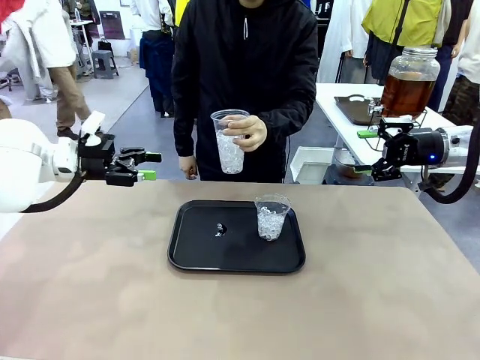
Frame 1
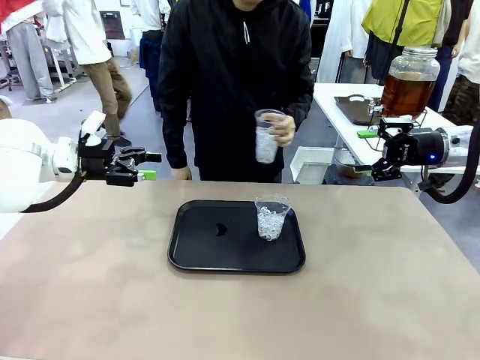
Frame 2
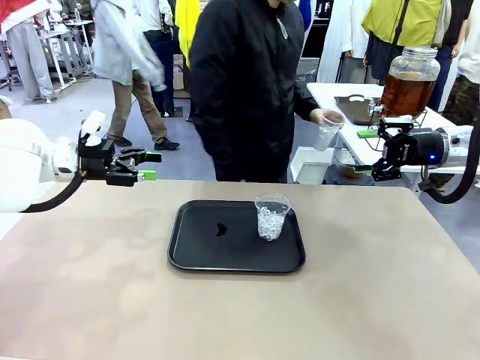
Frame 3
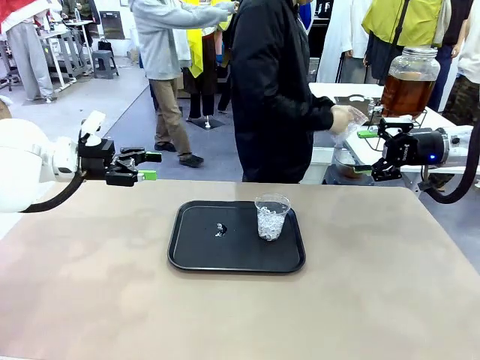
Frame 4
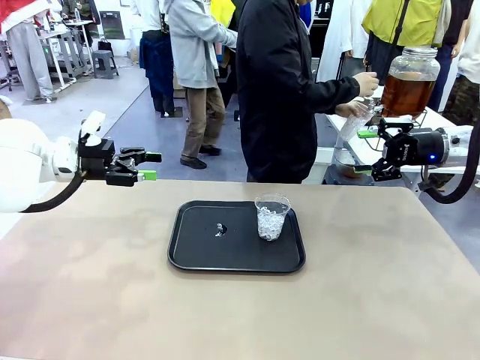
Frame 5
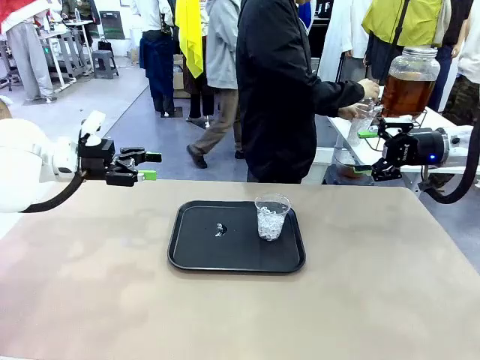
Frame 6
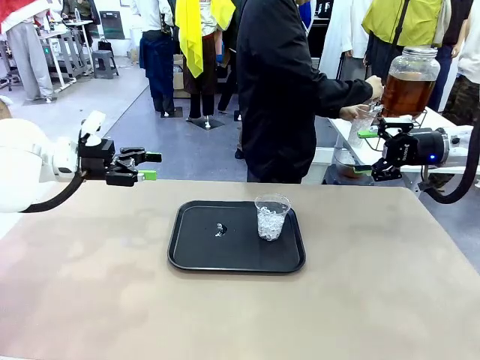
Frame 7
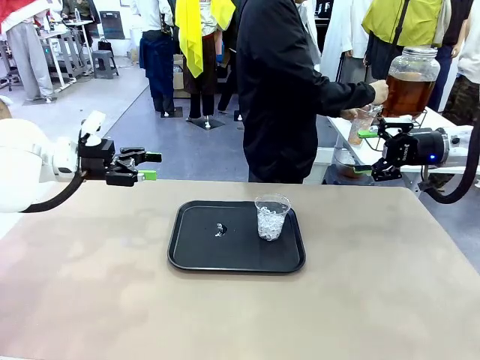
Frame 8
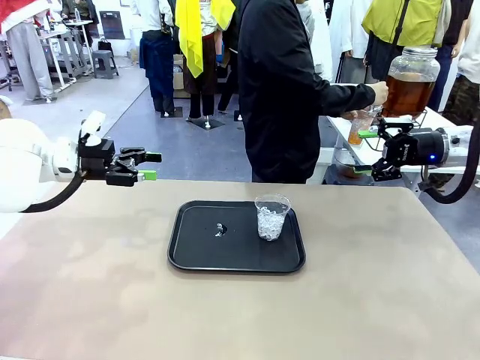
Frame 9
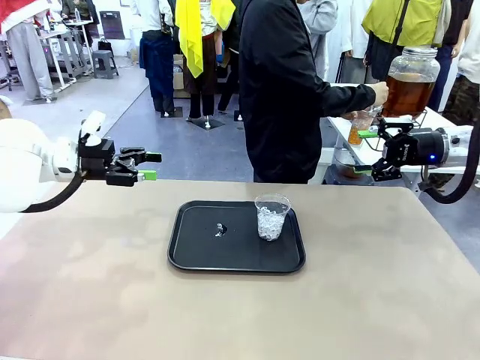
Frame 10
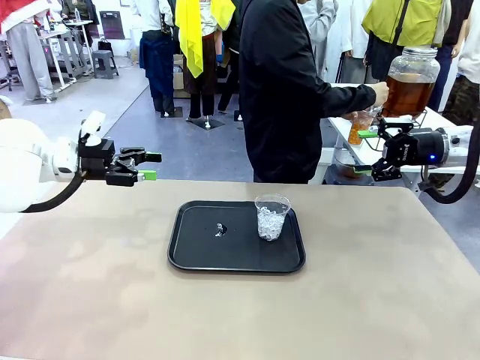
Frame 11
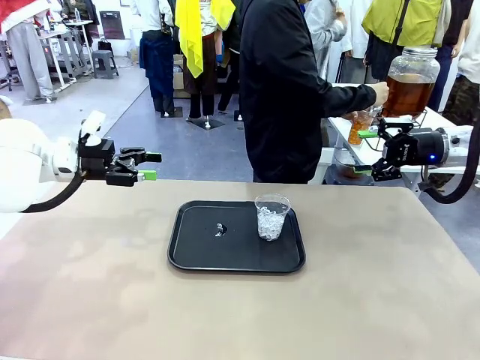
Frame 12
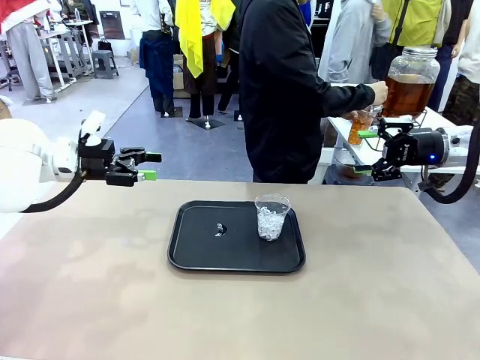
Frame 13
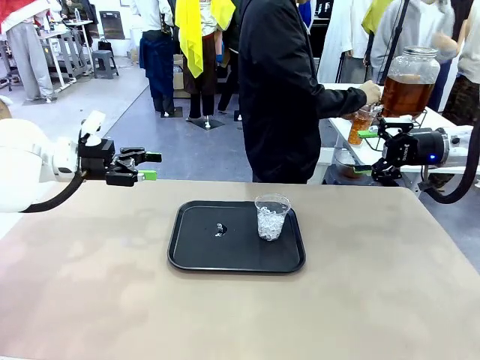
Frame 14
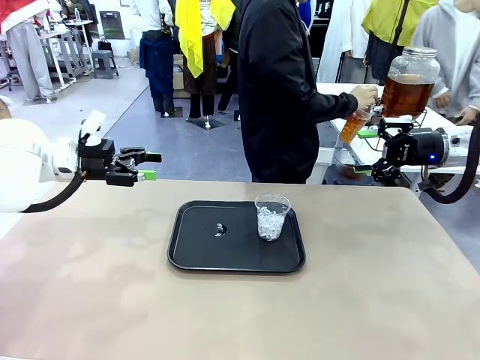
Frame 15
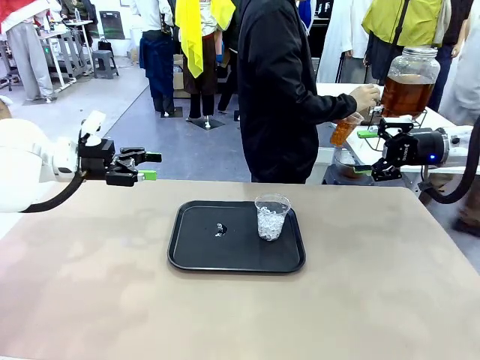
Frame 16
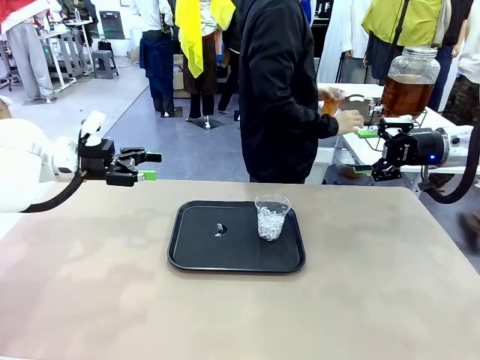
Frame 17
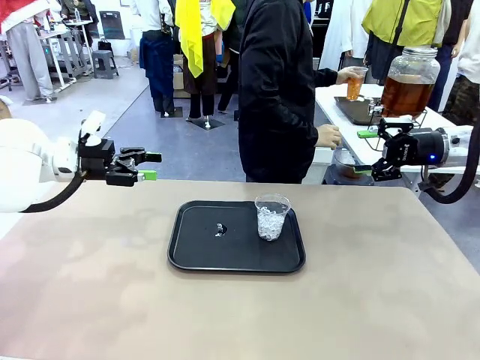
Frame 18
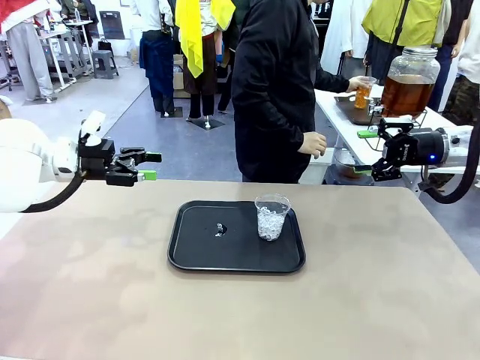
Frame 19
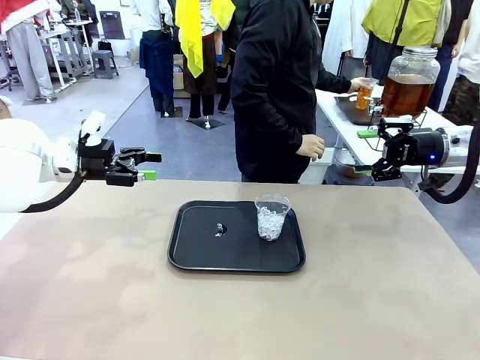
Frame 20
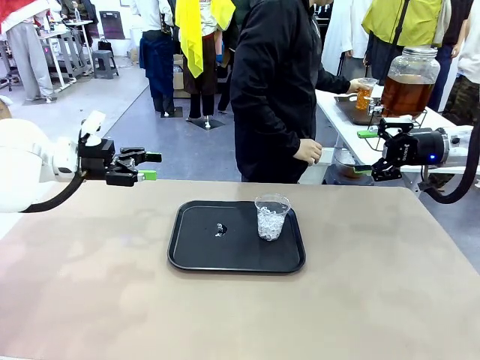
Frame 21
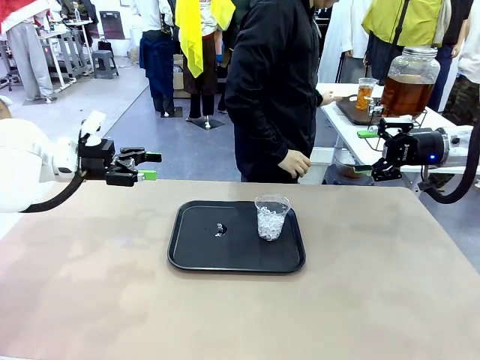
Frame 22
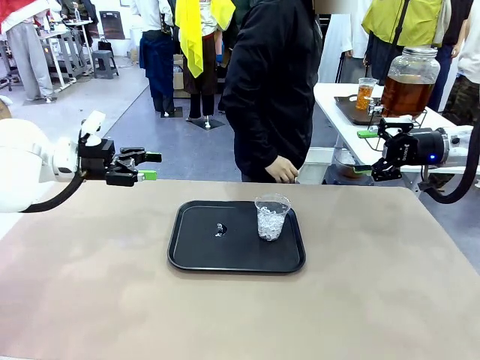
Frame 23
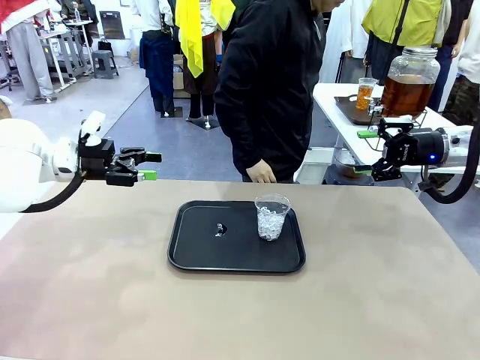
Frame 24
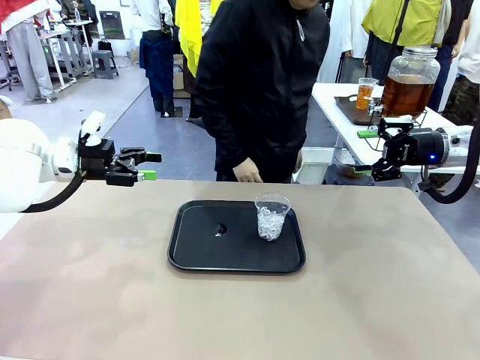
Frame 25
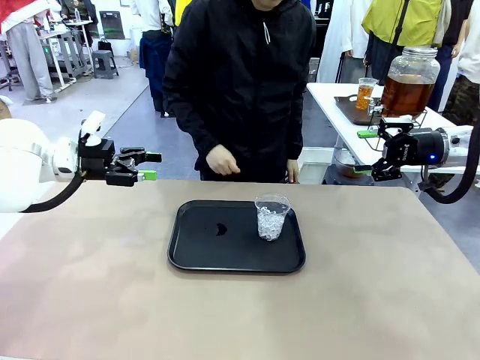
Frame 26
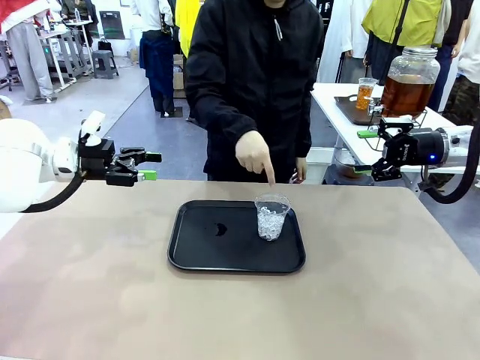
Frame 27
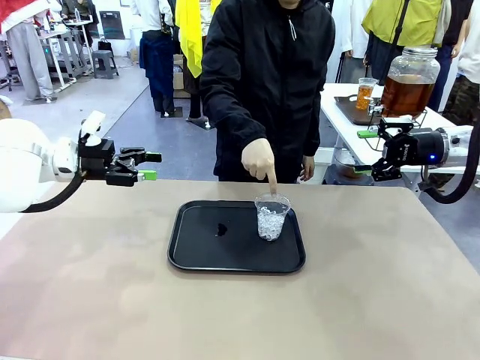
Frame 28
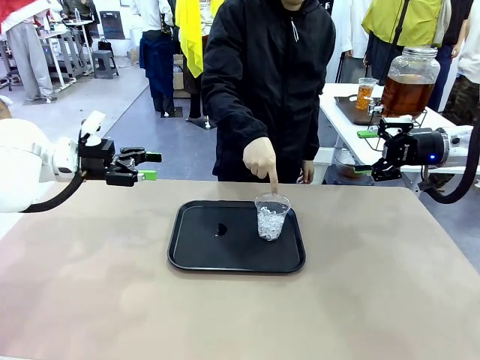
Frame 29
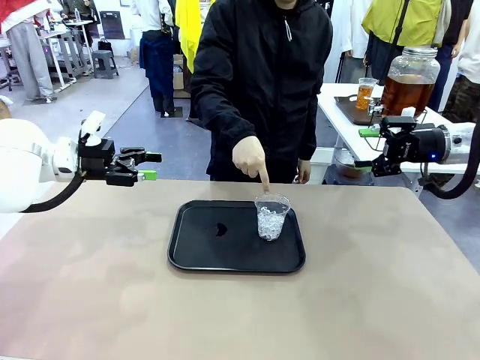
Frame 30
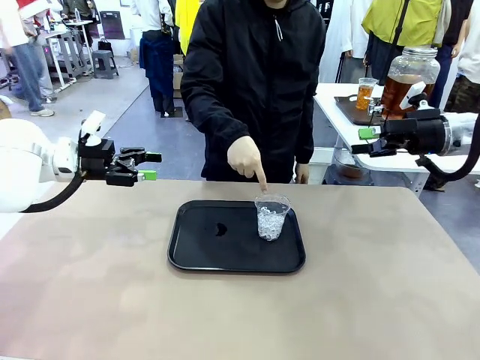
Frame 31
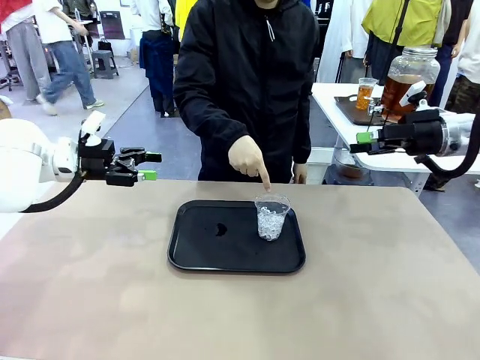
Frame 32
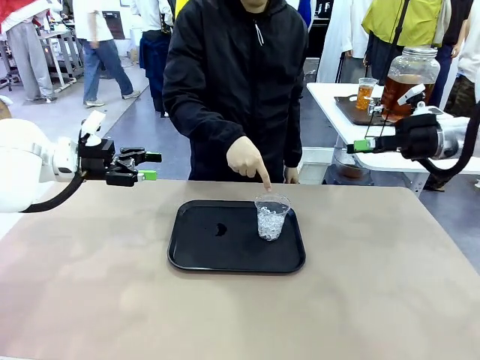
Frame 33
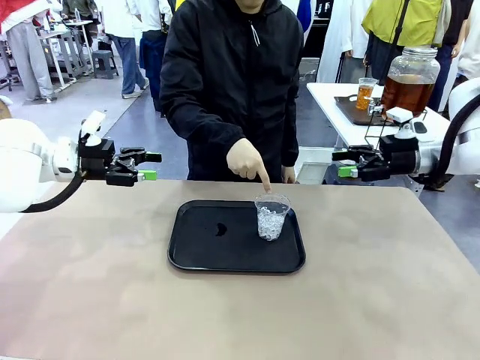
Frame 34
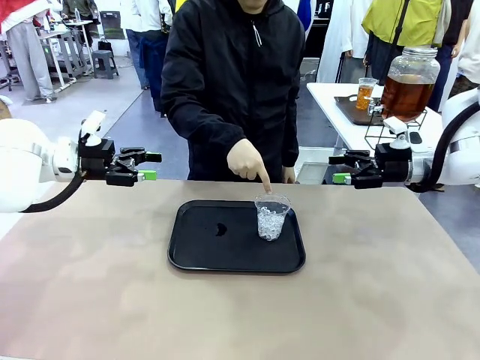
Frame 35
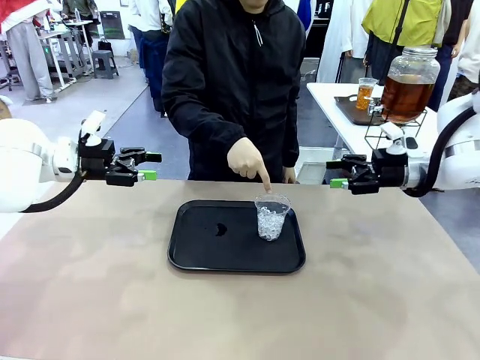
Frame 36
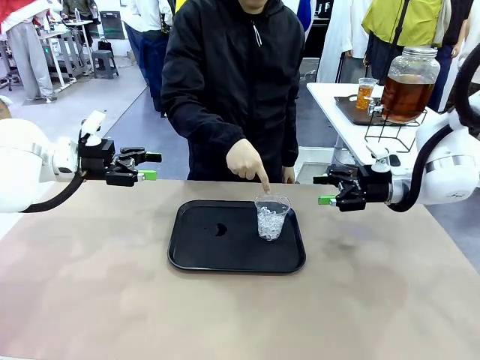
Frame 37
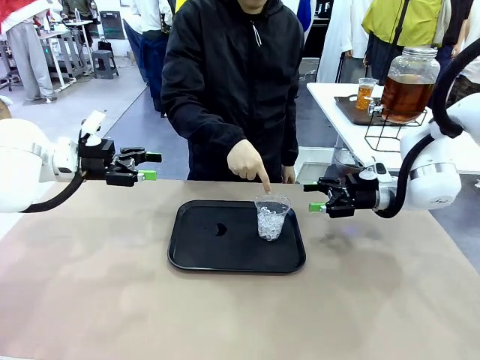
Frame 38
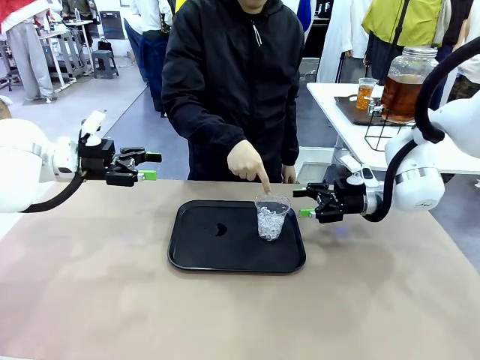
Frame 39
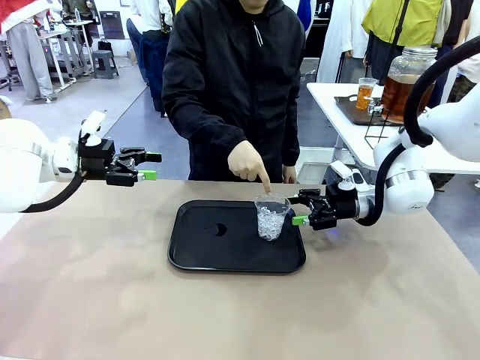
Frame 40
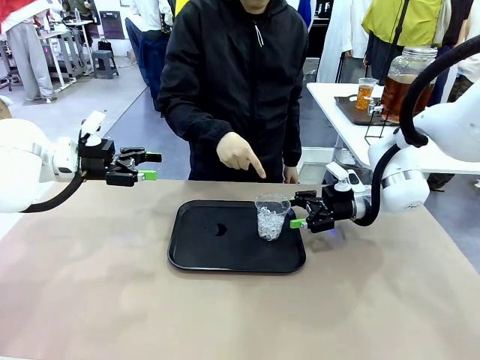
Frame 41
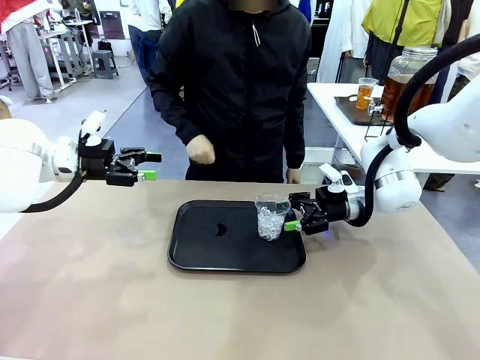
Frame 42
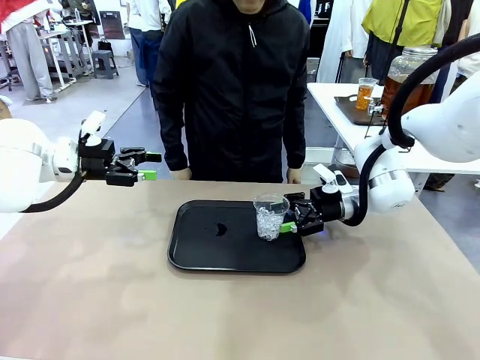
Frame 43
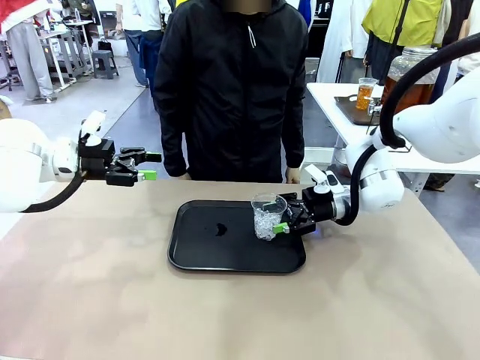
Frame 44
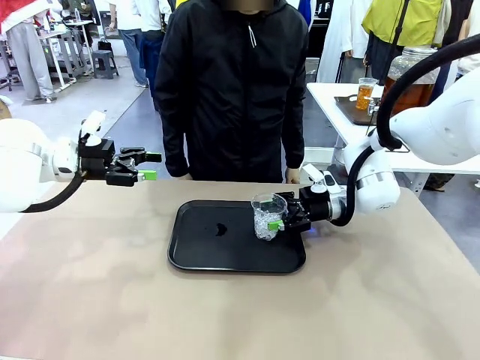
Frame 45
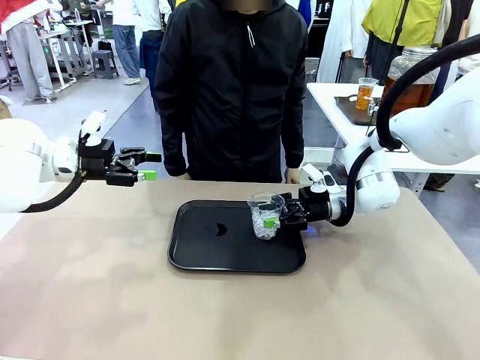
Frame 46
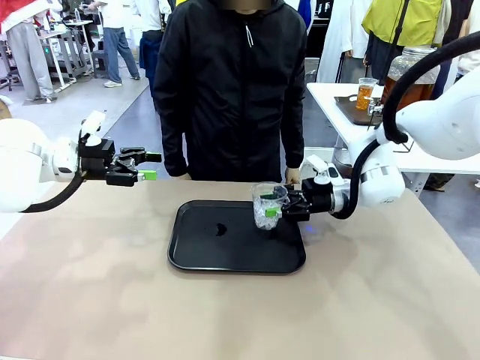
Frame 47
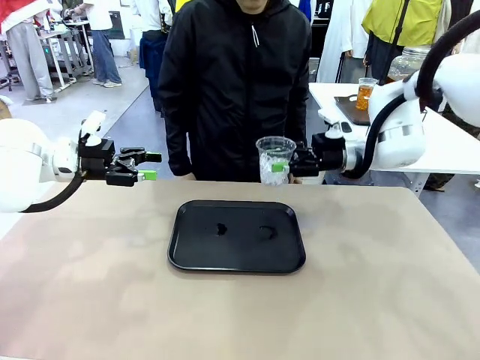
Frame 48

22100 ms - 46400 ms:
Task: Pour the drink into the iced cup.
Robot: Pick up the iced cup indicated by the human and present it to them.
Person: Move the picked-up cup under the dispenser faucet, pour the drink, and place it on the tray on the human table. Point to the remaining ice cup on the robot table. Pick up the cup offered by the robot.
